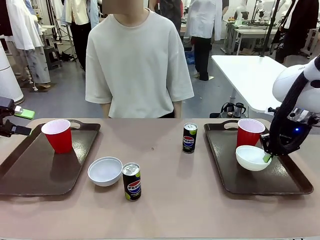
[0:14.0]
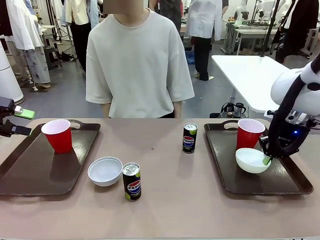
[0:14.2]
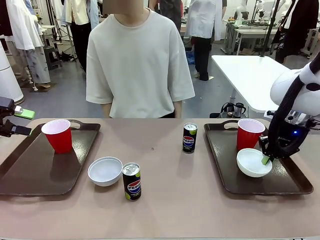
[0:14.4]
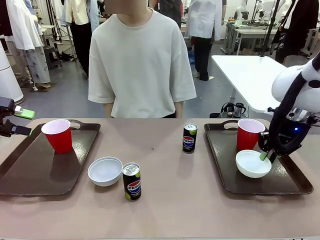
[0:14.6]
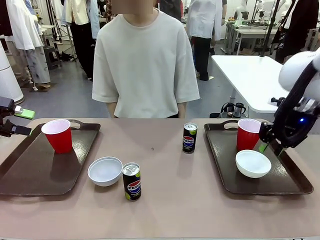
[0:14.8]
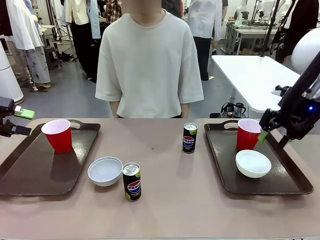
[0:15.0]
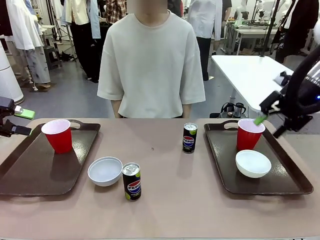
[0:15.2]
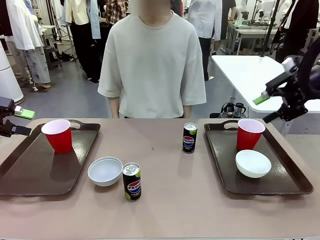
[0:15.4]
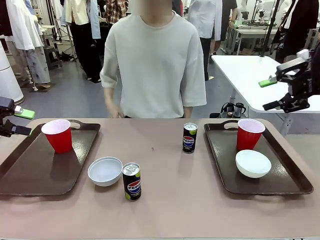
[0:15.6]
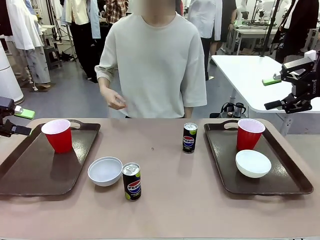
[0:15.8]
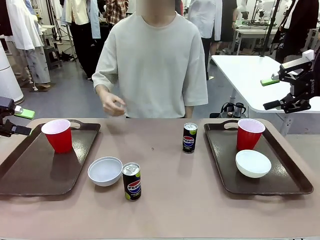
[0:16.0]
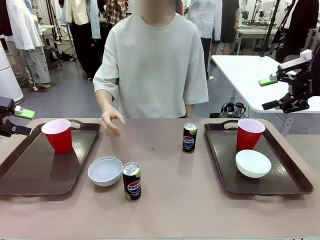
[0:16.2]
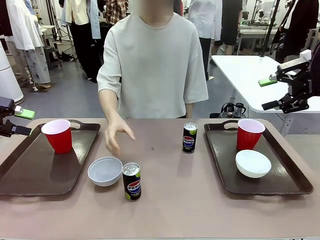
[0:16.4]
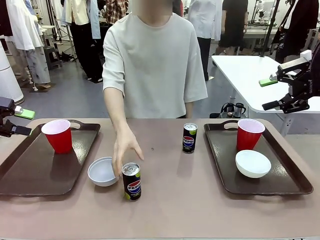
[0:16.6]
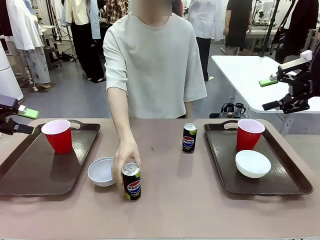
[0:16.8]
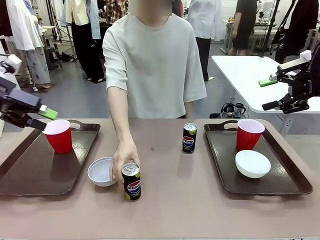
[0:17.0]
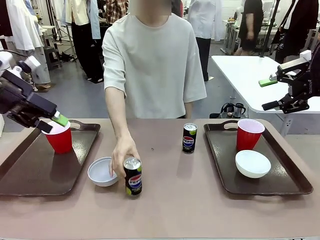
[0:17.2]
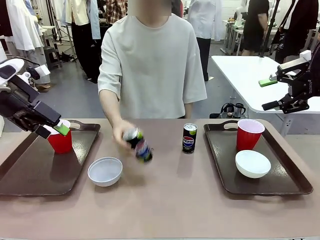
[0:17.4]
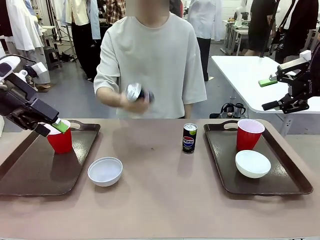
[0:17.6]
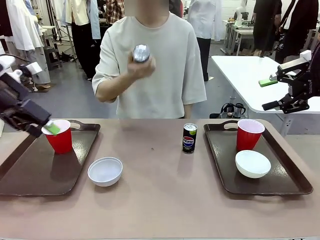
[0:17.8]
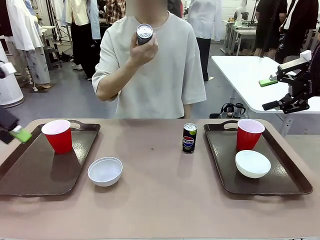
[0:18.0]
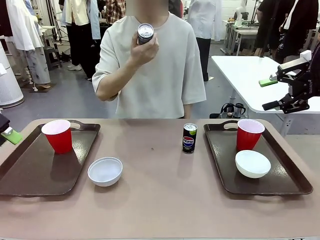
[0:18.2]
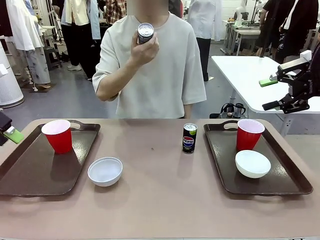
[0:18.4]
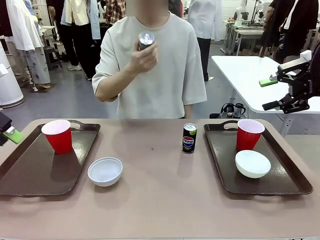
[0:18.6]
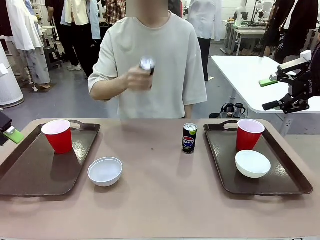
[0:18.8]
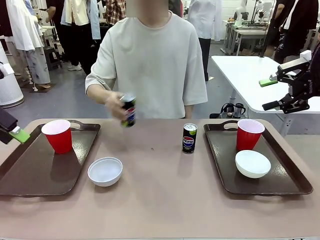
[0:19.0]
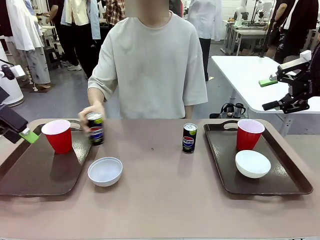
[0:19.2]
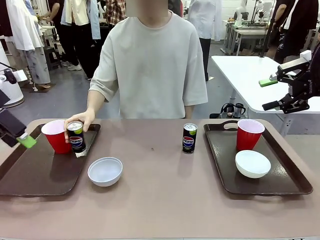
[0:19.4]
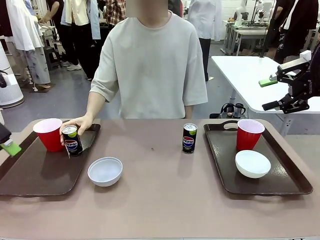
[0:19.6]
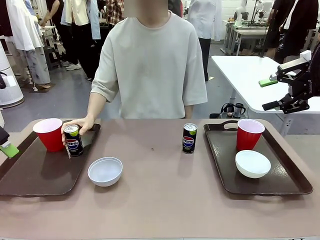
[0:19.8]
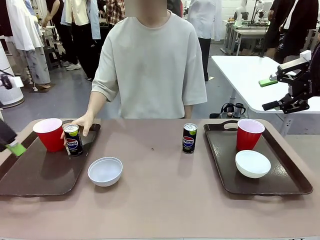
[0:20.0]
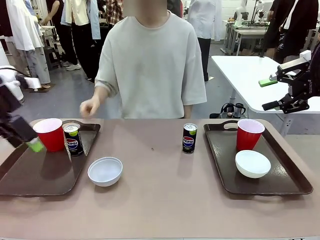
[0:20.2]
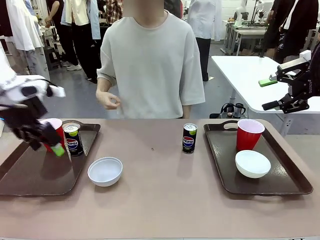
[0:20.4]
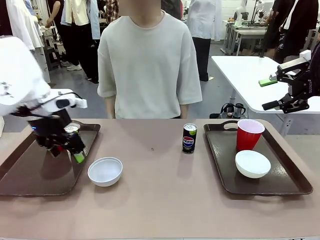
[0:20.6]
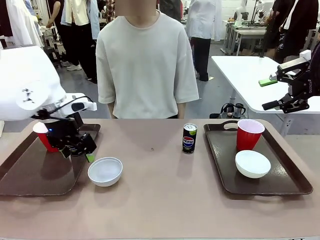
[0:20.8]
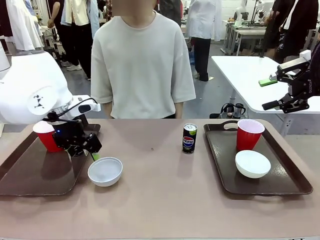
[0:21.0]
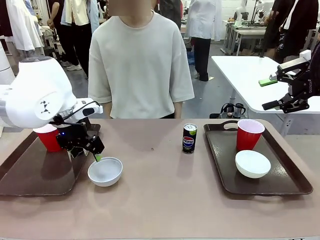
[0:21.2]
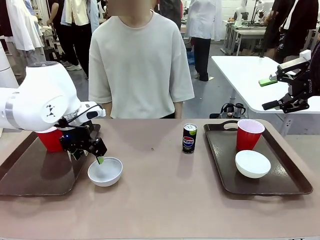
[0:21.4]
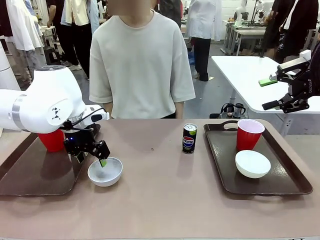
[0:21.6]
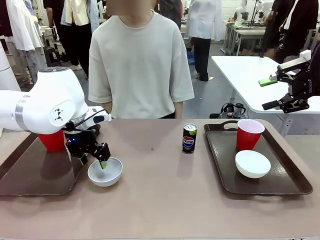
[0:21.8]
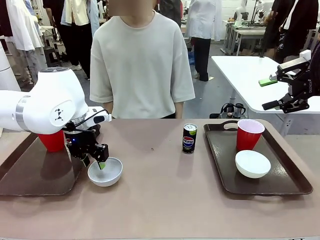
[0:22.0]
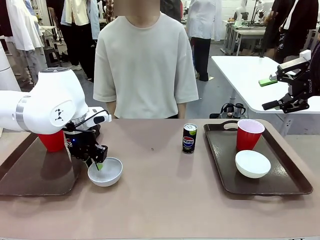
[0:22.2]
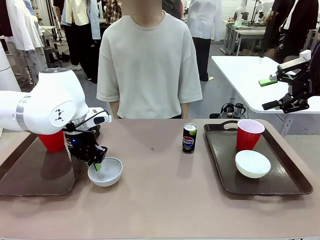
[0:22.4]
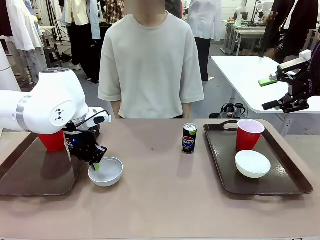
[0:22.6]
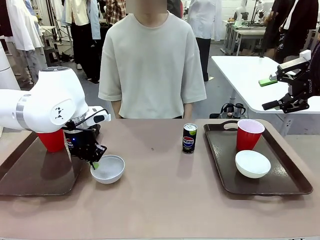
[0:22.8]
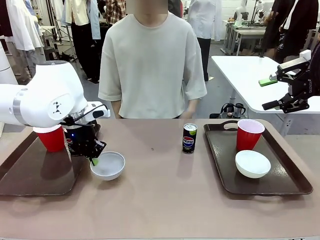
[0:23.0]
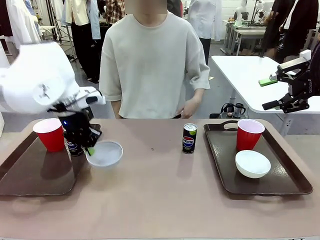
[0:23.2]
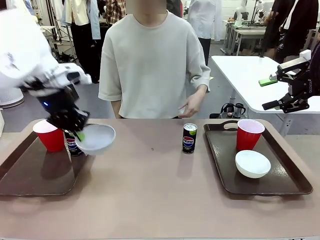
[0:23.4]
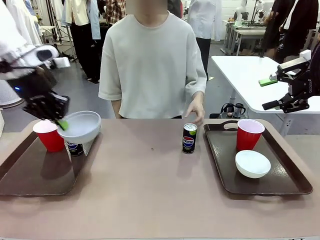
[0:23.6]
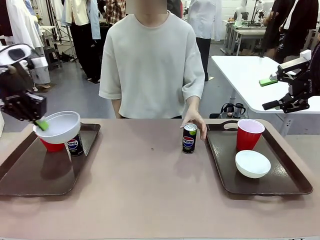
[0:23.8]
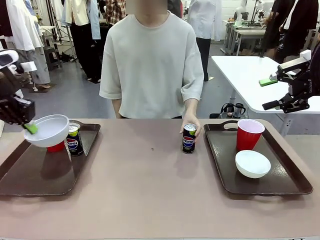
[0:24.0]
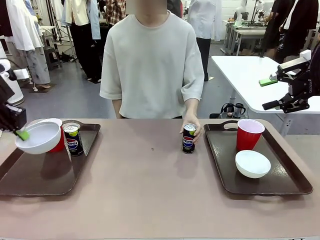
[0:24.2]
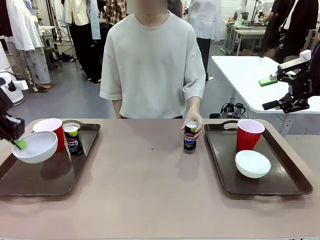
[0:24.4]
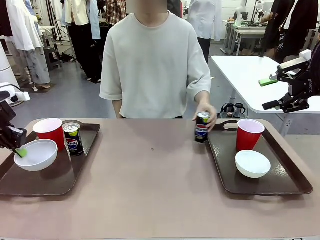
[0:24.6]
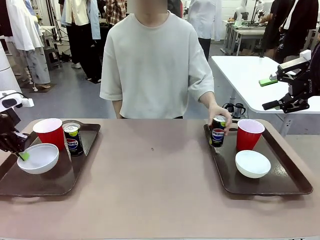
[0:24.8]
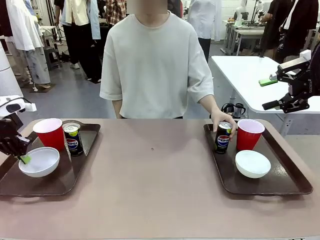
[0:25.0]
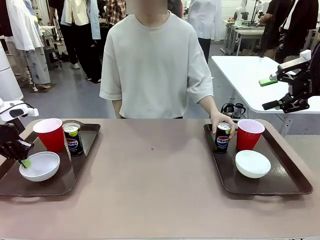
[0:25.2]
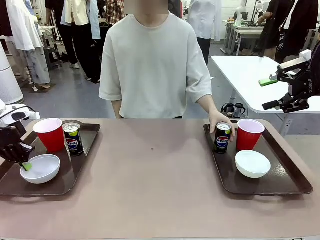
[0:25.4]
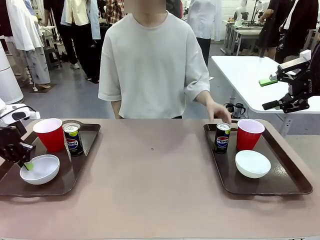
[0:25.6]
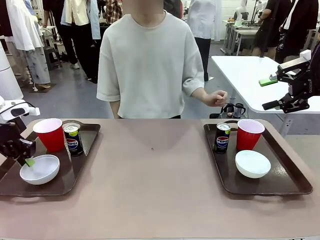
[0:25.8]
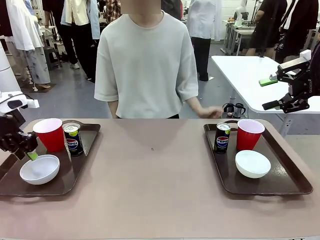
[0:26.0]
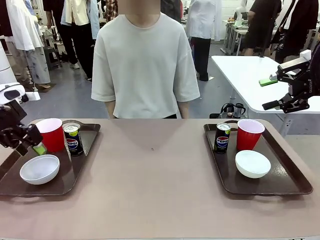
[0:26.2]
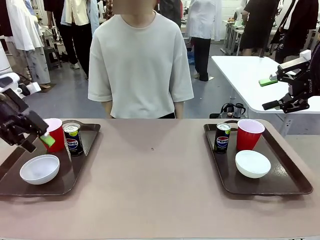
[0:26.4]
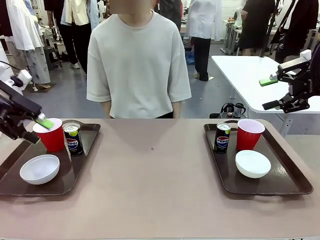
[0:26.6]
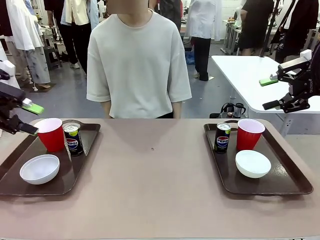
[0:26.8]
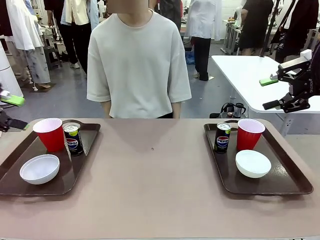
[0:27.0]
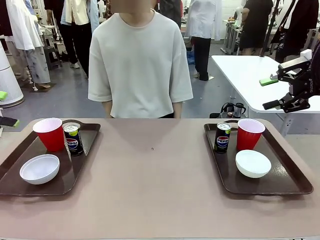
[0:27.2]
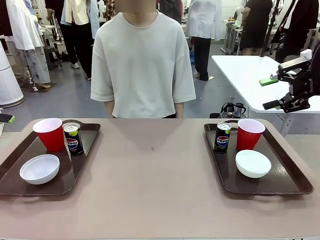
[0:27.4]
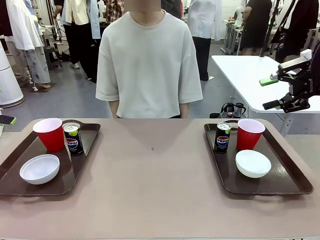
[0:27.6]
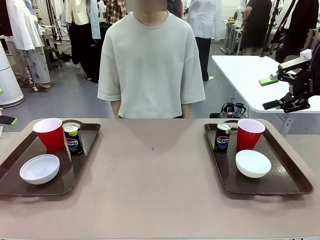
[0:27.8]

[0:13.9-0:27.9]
Task: Prepare tableware on both trays.
Robot: Pick up a Picnic Bowl from the table and place it on a Handle tray.
Person: Pick up a can or cup and place it on the tray without a can or cup.
